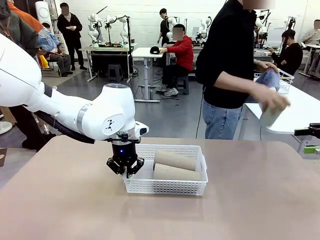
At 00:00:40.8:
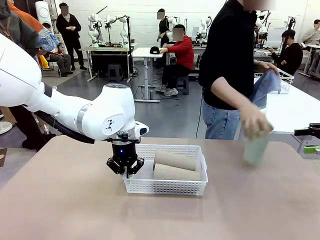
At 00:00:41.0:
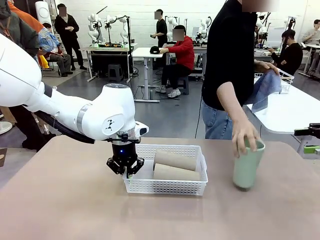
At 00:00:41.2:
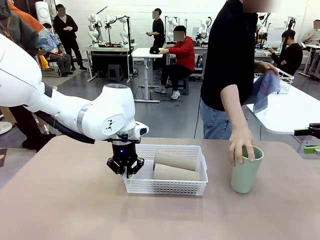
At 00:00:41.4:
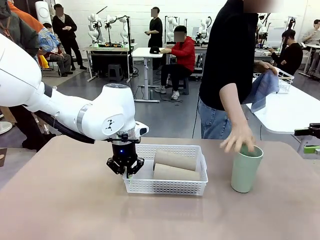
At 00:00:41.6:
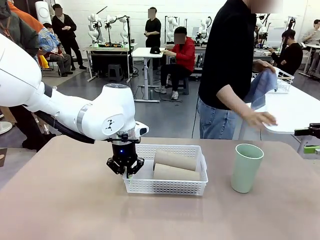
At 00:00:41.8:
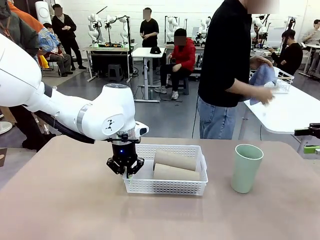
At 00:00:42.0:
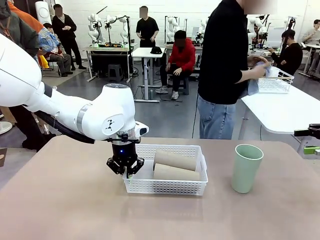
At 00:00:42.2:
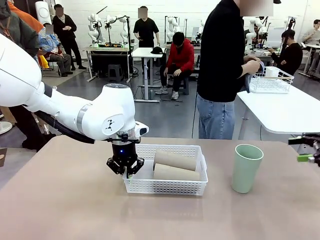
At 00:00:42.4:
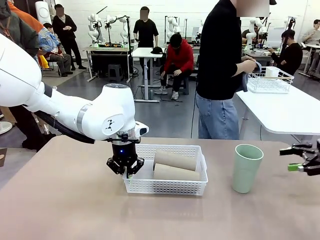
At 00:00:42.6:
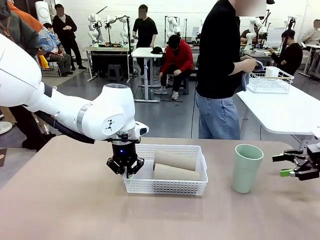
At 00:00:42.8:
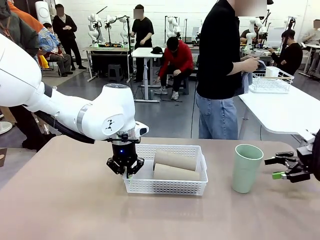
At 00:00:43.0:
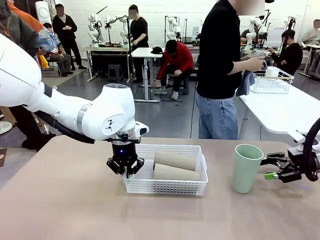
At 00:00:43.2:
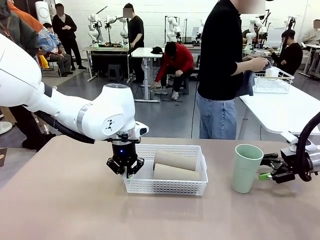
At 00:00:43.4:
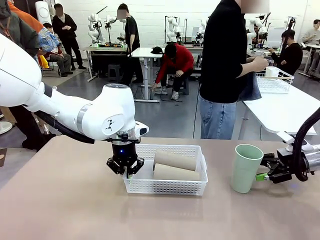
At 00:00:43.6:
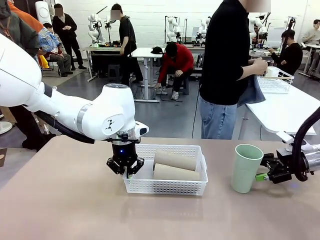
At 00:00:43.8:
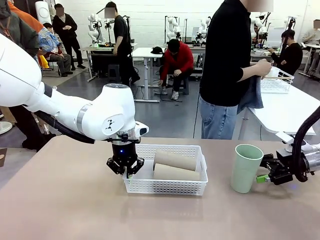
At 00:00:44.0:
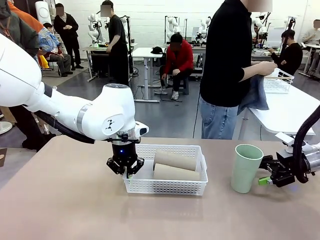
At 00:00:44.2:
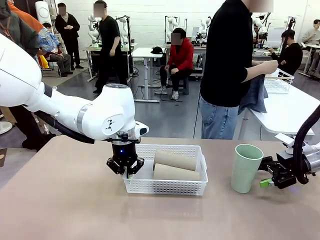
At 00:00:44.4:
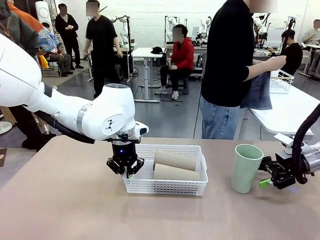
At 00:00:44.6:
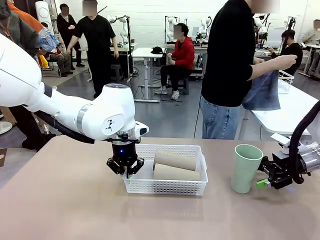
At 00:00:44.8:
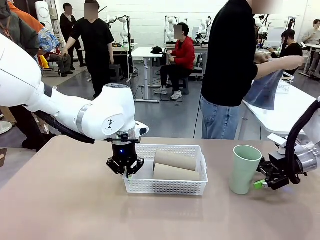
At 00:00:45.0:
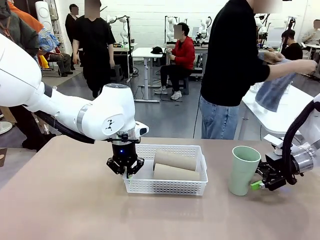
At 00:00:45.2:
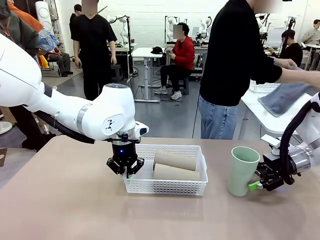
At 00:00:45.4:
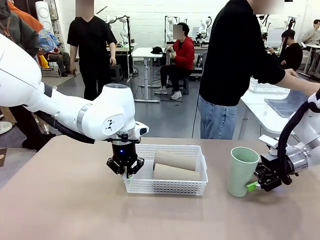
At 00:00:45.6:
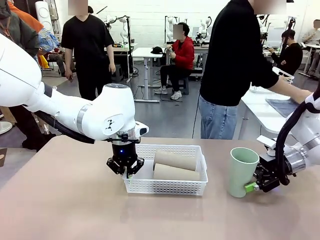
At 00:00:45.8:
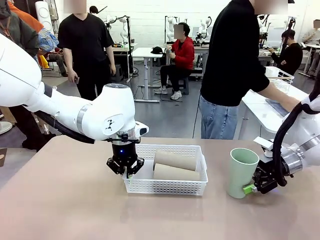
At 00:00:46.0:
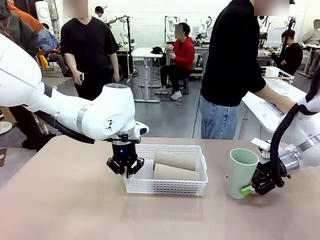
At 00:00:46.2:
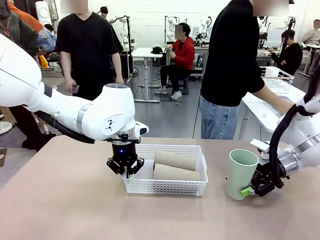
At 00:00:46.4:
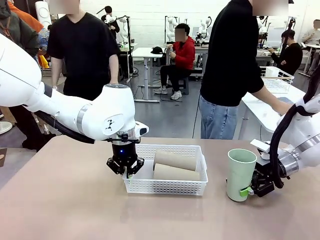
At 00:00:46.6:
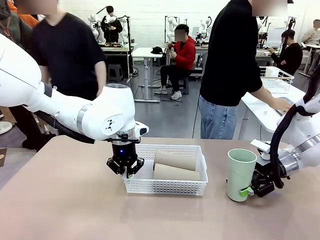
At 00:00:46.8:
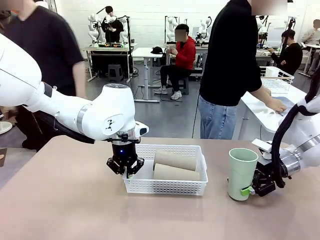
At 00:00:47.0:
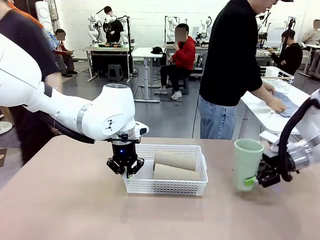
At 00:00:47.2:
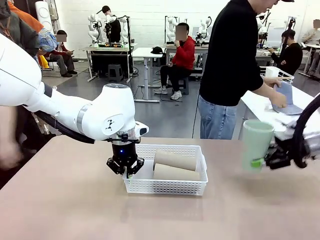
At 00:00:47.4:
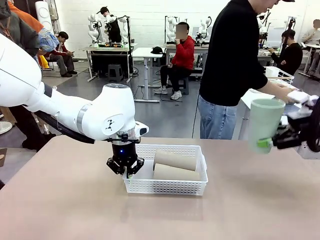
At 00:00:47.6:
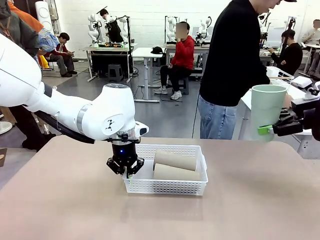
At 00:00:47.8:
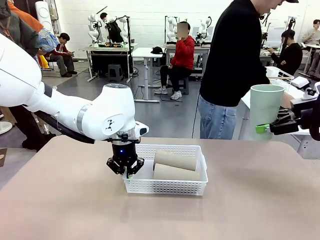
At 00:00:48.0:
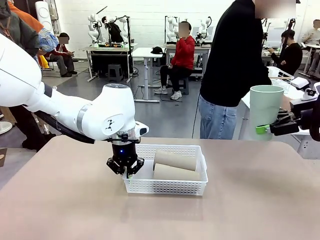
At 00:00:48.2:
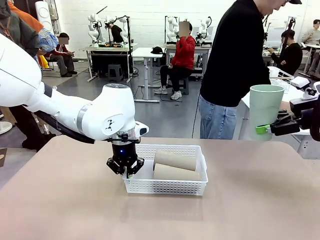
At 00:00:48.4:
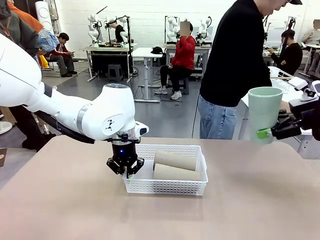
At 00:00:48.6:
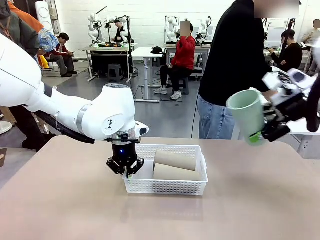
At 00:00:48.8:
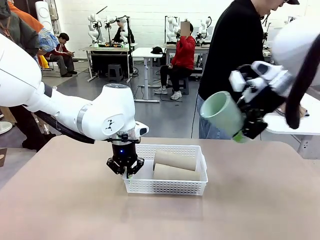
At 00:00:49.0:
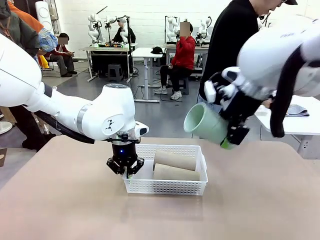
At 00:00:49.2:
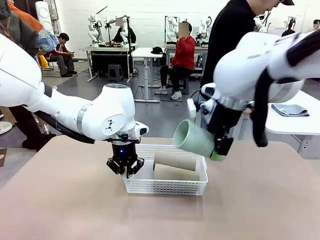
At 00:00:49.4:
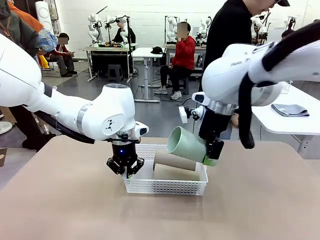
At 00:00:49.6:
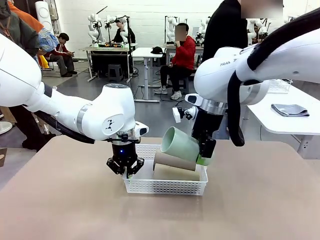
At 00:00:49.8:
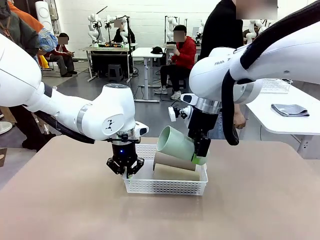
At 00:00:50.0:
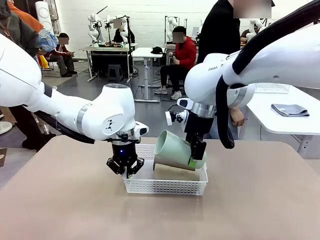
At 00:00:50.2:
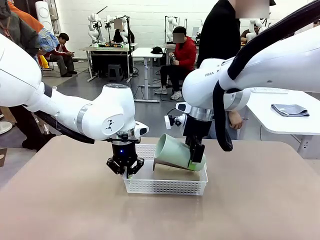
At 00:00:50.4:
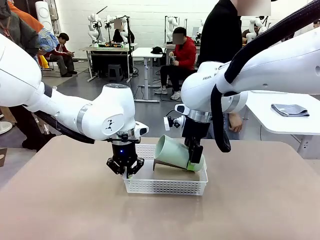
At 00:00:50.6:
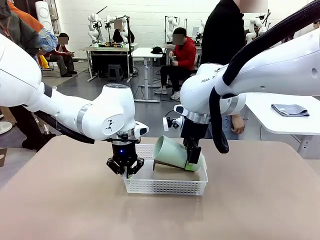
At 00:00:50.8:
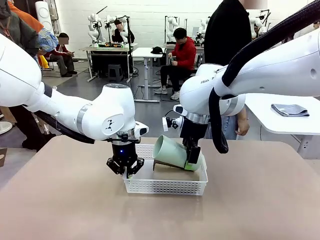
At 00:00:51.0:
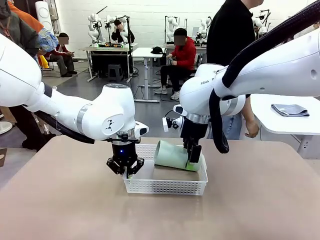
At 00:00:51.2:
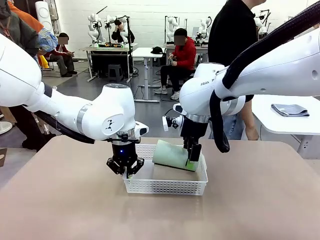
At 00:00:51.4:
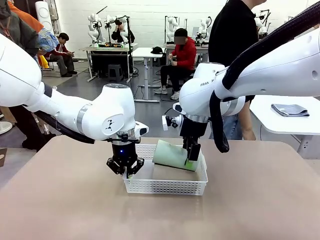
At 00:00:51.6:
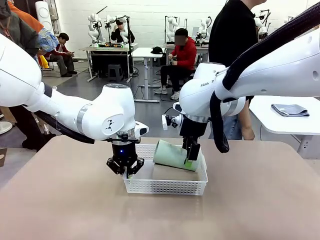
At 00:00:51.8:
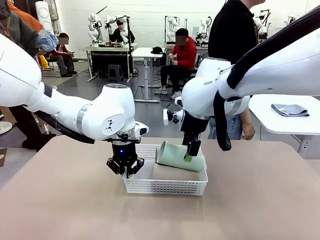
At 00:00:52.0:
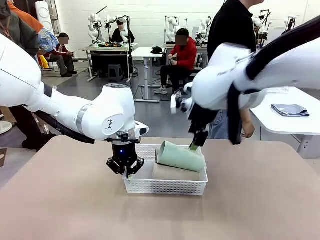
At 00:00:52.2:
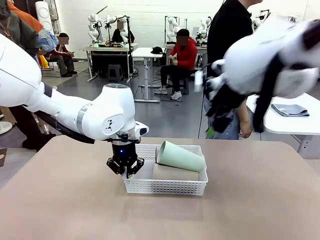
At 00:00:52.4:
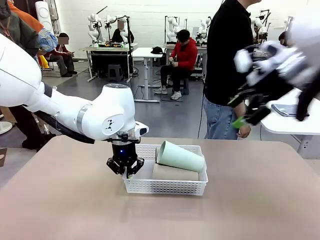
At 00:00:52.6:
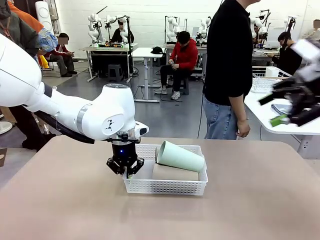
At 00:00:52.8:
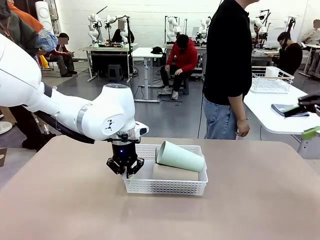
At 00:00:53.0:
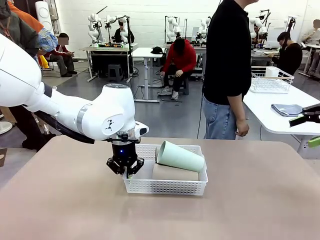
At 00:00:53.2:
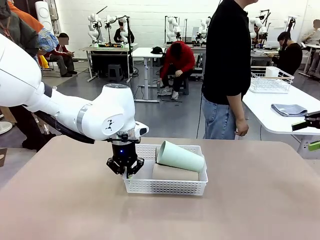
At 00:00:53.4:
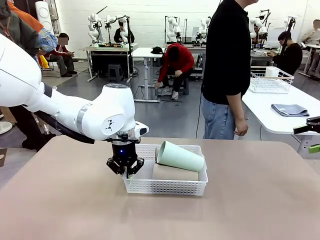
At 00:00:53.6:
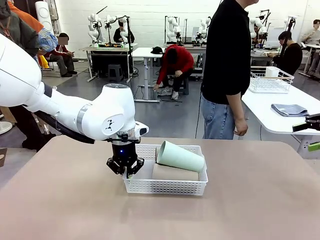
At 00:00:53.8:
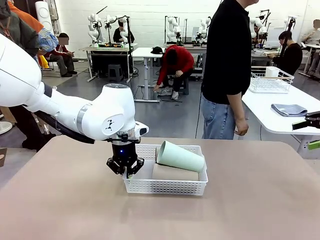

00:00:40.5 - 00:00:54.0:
Task: Clean and organize the cups into the basket.
Robot: Pick up the Reusable plastic cup from the right side of the table and stack it inside the Organizing basket in the center of the table.
